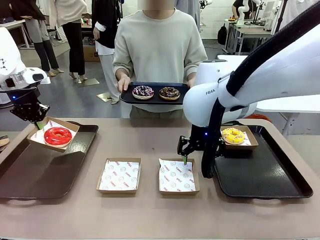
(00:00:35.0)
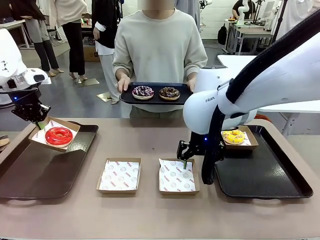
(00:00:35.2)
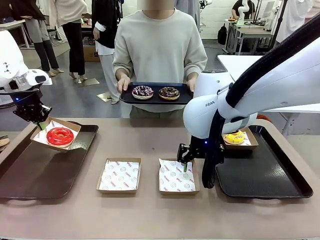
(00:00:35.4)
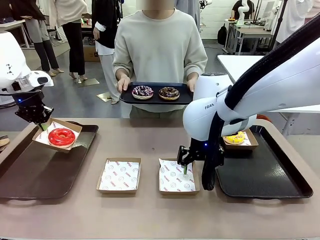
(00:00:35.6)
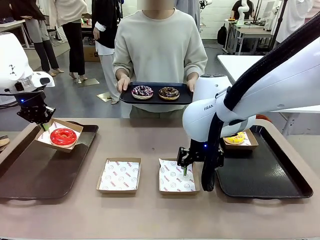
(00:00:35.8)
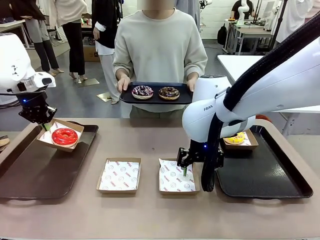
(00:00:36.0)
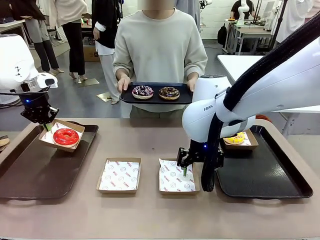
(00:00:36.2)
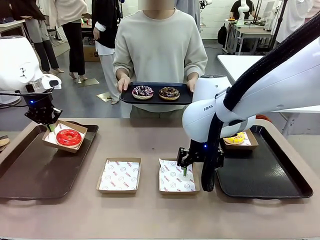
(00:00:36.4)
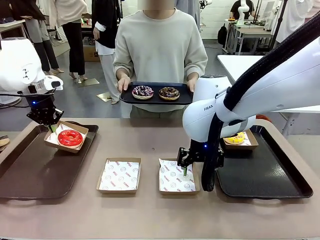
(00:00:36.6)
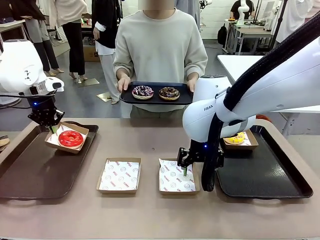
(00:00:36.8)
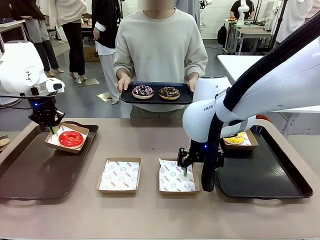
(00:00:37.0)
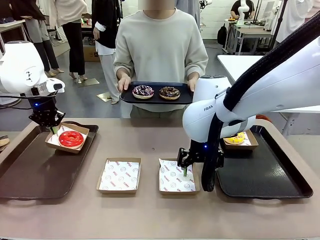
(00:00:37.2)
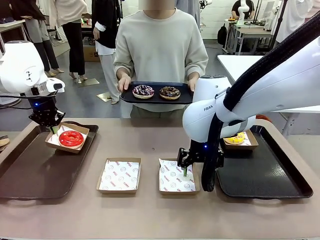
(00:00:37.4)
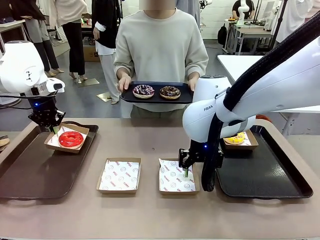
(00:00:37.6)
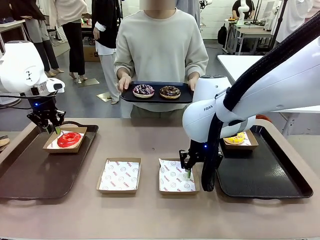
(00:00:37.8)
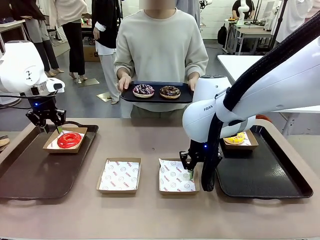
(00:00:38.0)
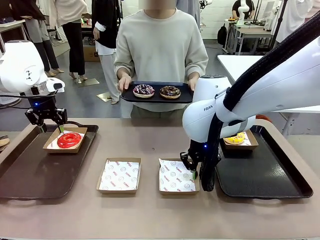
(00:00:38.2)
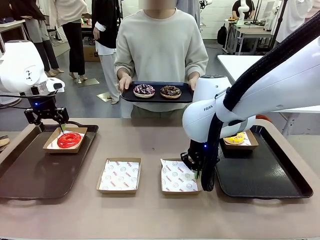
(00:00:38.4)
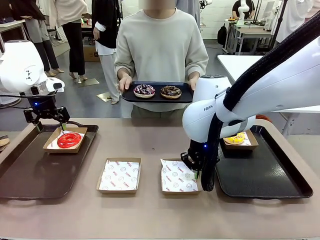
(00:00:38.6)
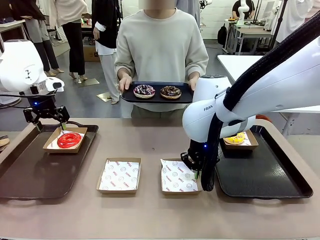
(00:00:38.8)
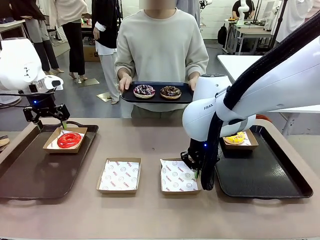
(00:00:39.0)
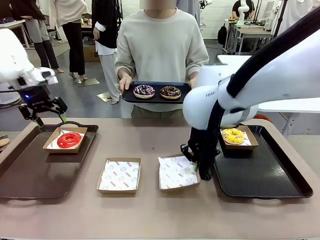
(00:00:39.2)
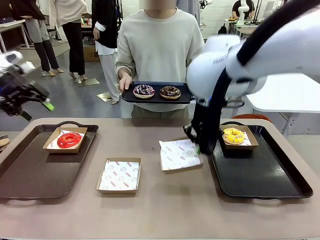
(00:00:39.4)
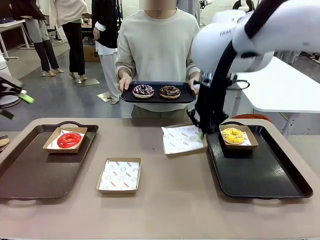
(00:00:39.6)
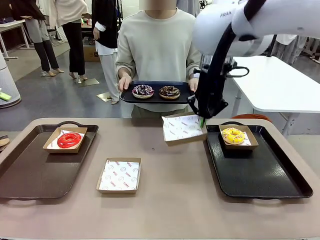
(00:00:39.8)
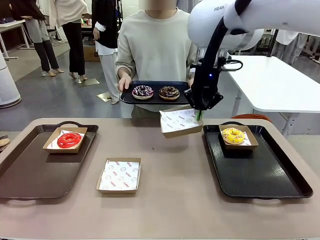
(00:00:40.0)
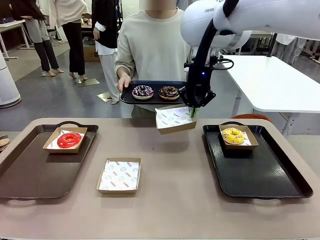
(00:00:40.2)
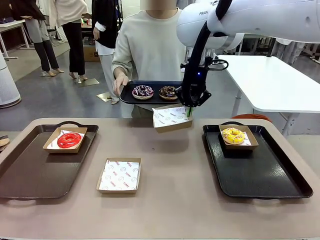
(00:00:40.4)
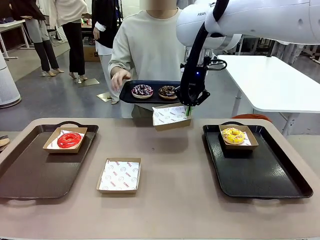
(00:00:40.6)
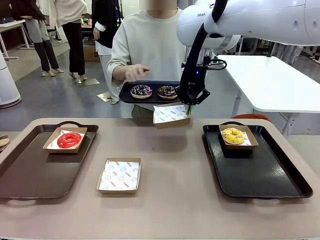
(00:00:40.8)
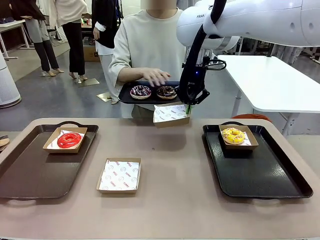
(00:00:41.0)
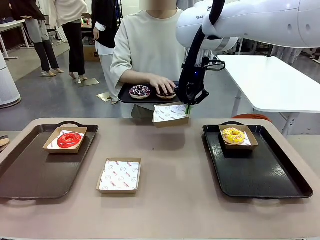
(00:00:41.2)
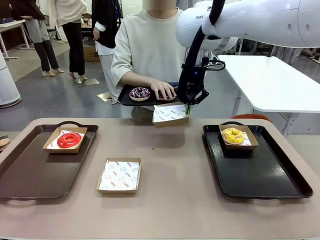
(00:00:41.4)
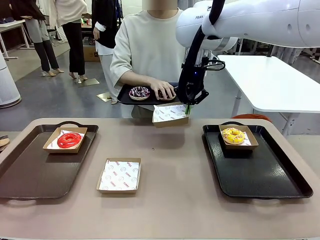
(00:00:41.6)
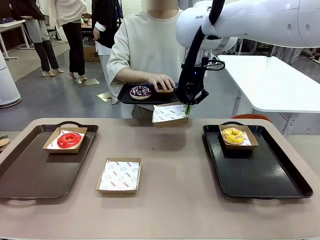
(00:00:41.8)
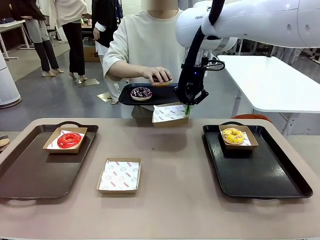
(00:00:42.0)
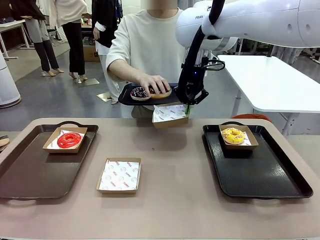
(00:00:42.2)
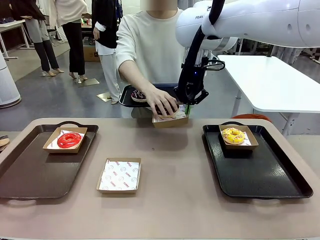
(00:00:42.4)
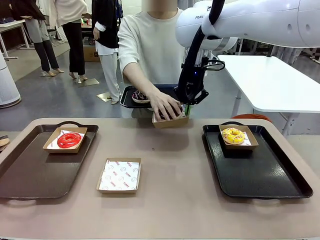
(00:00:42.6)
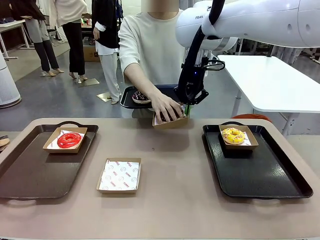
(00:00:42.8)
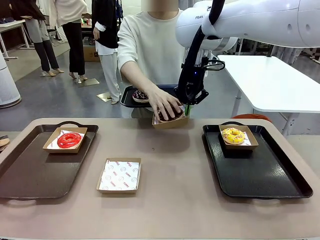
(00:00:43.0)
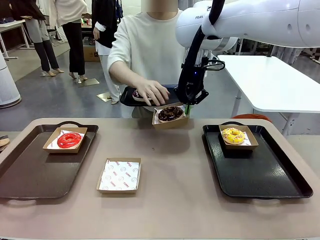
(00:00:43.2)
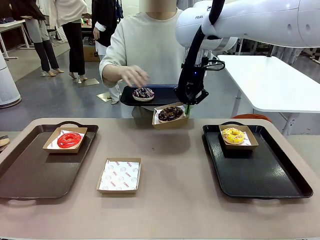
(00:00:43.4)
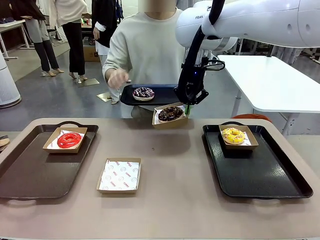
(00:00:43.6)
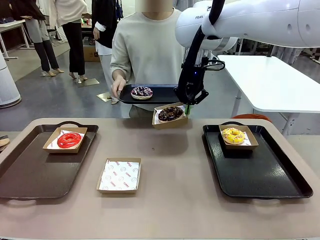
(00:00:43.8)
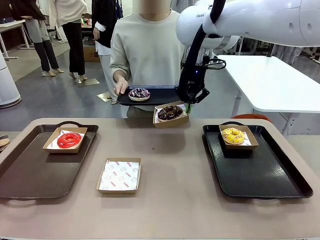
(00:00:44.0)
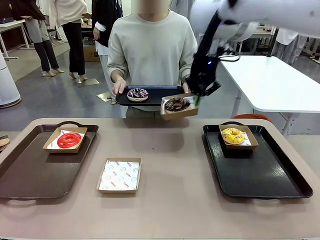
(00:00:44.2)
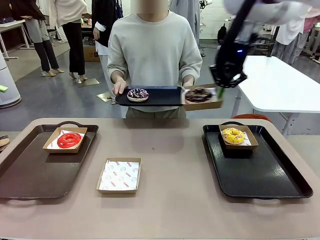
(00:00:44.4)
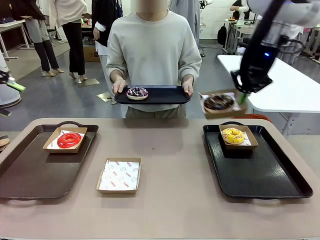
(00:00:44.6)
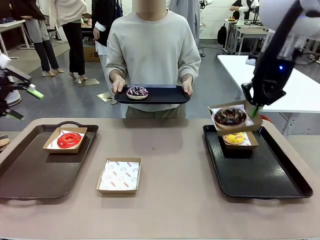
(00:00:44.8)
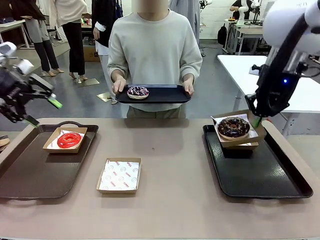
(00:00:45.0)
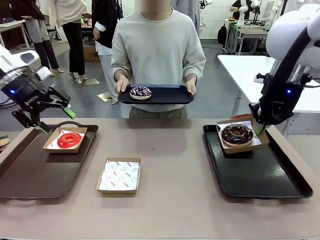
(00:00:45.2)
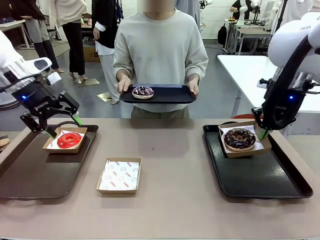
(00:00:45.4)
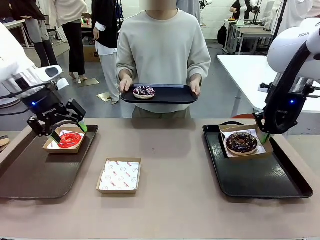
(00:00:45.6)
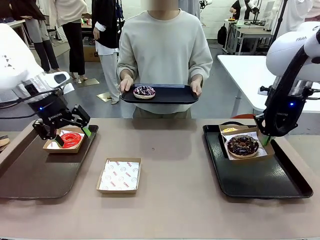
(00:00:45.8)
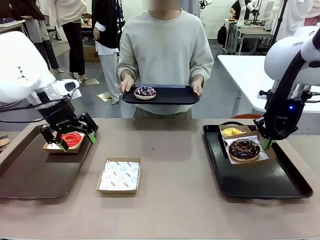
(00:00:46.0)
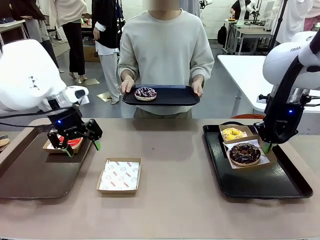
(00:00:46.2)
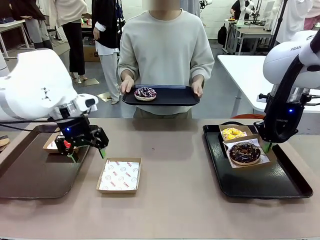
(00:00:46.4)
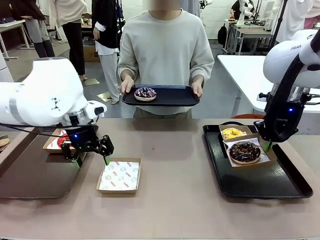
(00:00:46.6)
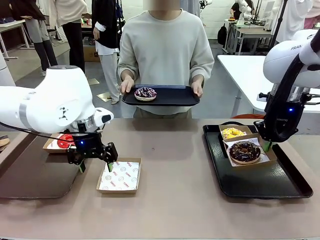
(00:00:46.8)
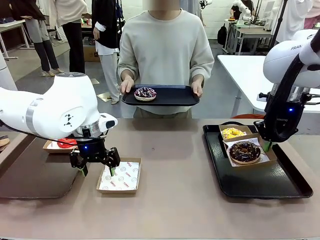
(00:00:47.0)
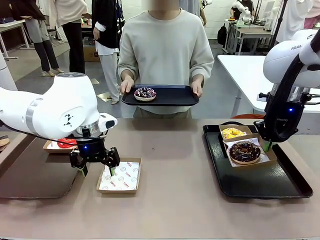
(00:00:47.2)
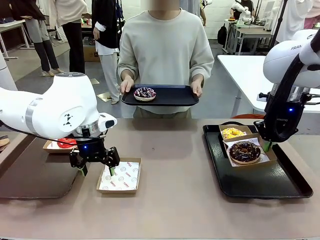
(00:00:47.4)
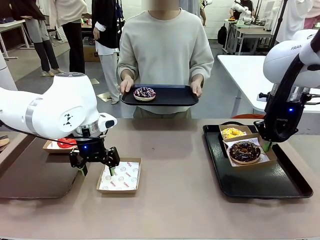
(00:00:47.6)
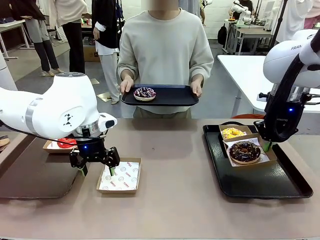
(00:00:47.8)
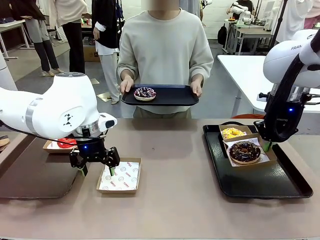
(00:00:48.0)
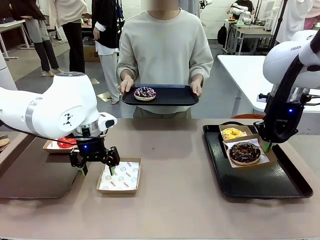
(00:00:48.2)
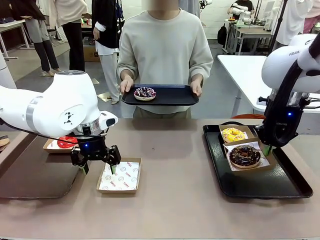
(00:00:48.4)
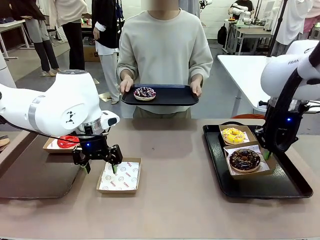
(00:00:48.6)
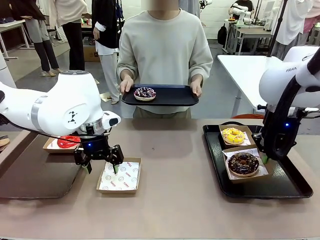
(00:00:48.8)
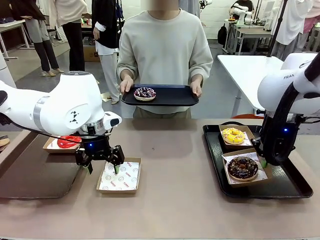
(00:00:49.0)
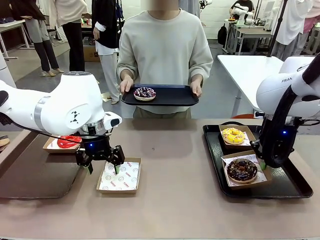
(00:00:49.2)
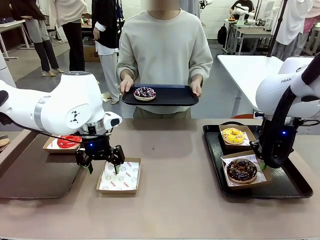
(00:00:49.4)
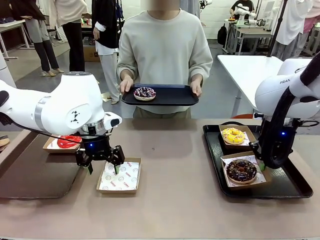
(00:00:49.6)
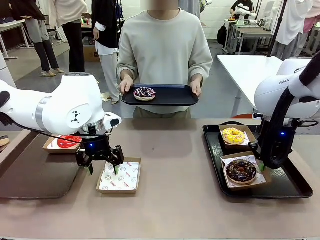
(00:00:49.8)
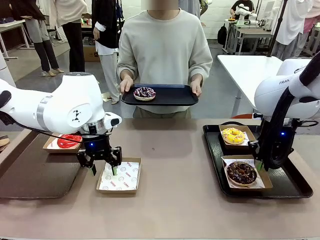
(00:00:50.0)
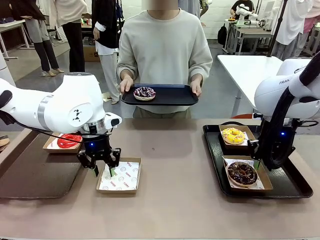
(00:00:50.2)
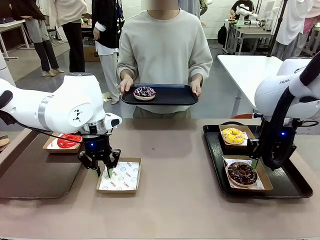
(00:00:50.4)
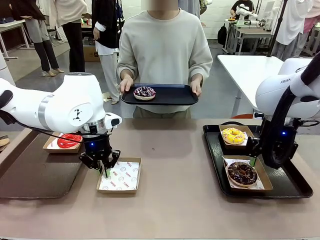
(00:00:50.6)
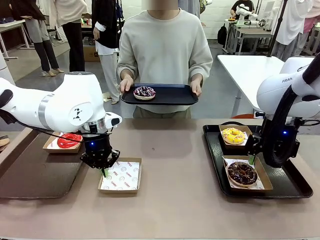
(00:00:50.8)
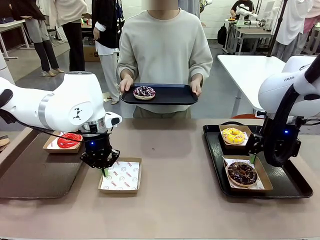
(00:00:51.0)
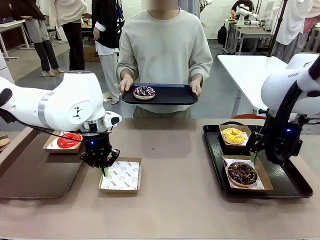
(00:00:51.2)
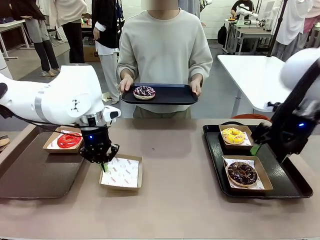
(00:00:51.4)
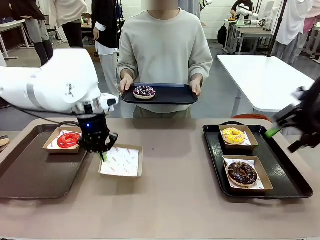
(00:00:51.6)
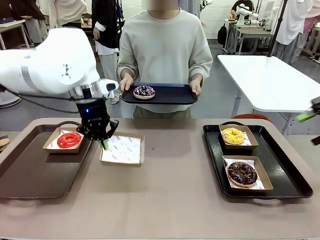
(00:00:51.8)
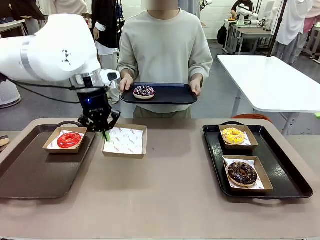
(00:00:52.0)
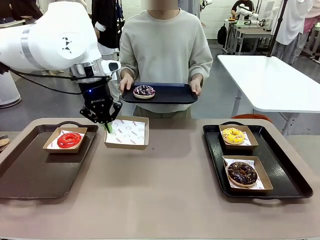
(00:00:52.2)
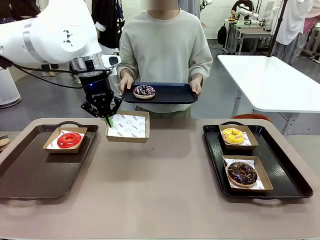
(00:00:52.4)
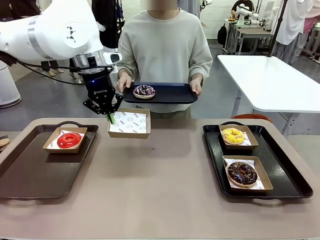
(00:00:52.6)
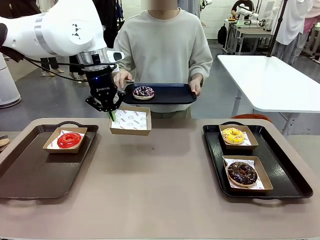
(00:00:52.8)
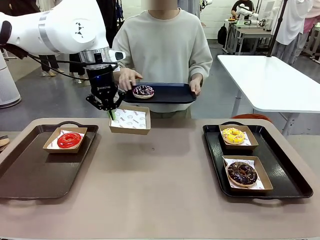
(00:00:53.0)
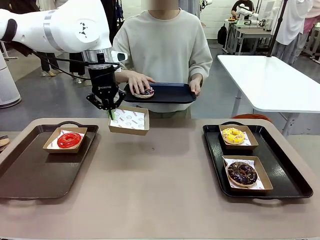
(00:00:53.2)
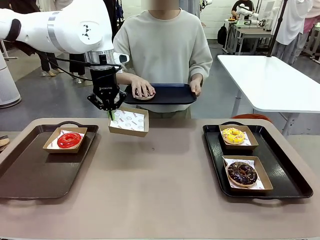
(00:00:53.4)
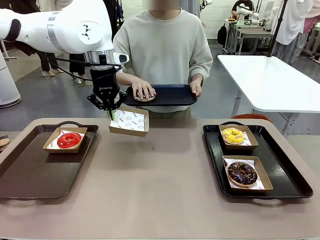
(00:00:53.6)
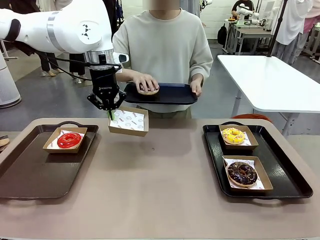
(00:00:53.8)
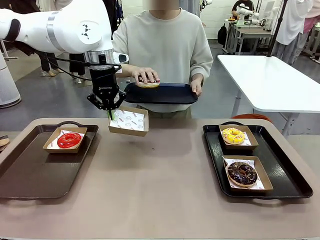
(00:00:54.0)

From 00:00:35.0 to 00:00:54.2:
Task: Individually package the donuts and arrange them on the tray.
Robot: Place the picked Paper togo box on the Handle tray while simultaneously picking up another Paper togo box from the table with the other hand.
